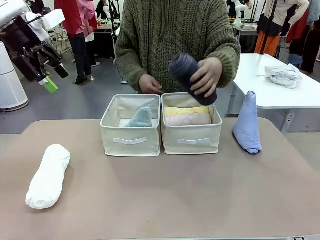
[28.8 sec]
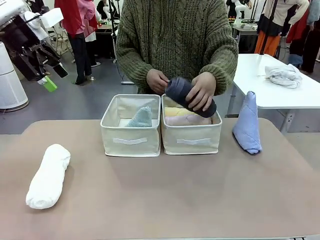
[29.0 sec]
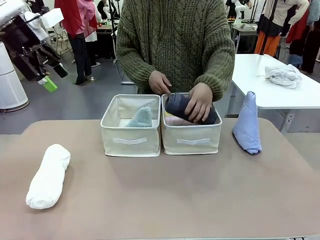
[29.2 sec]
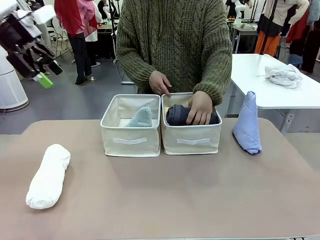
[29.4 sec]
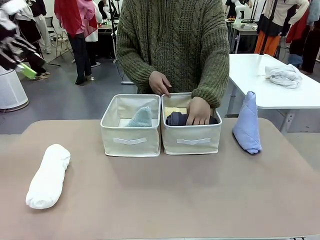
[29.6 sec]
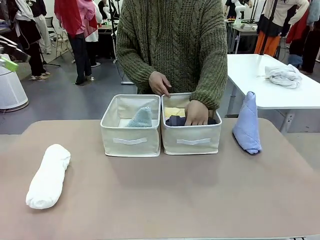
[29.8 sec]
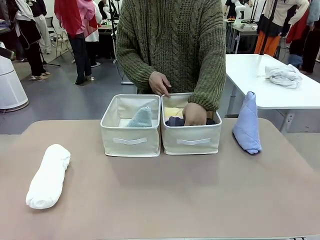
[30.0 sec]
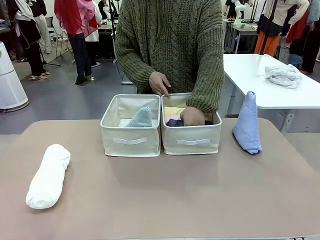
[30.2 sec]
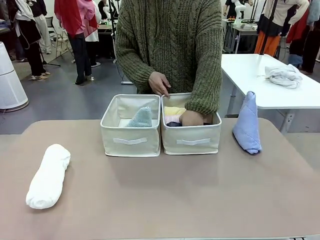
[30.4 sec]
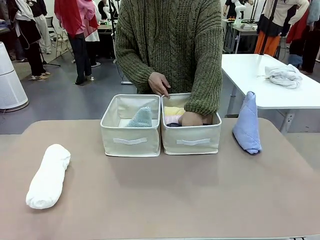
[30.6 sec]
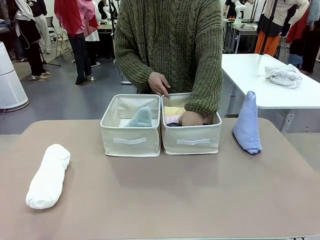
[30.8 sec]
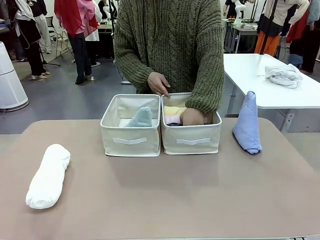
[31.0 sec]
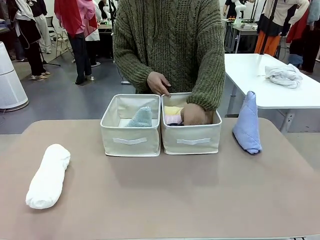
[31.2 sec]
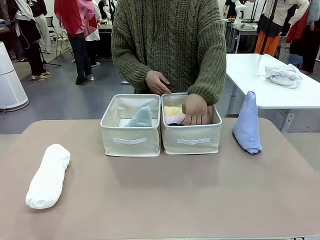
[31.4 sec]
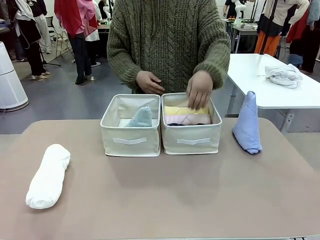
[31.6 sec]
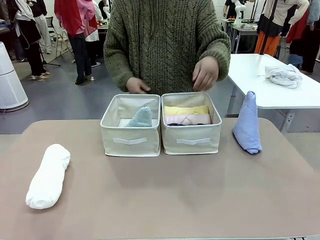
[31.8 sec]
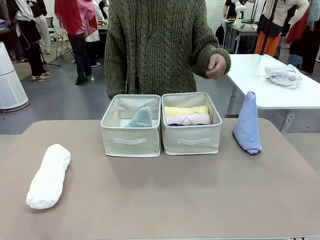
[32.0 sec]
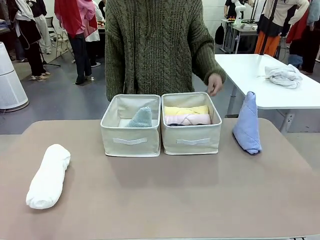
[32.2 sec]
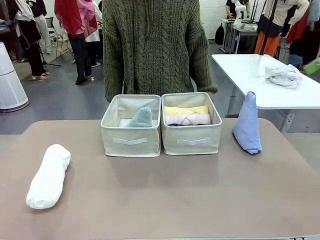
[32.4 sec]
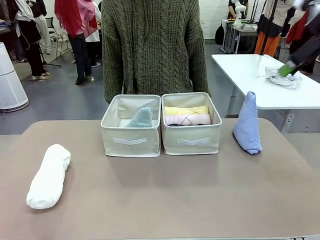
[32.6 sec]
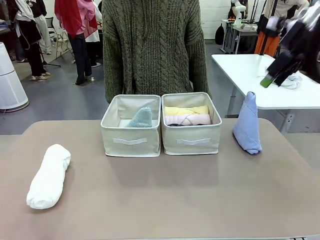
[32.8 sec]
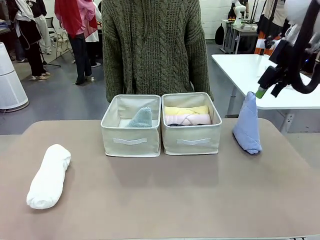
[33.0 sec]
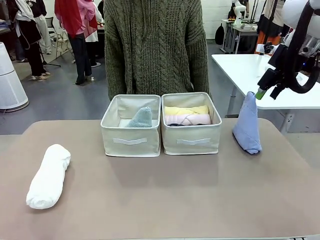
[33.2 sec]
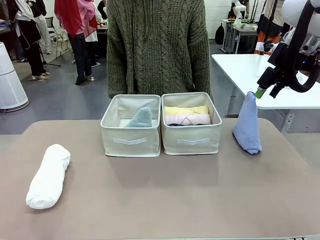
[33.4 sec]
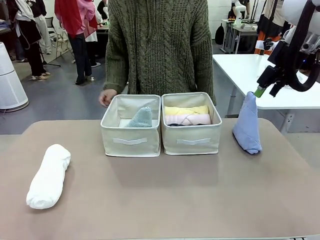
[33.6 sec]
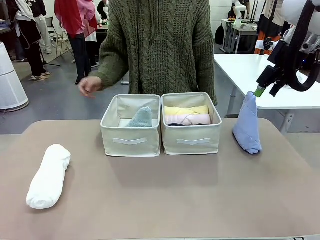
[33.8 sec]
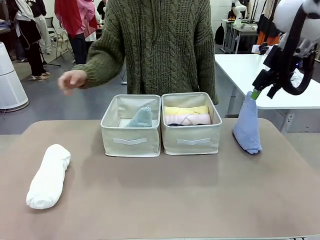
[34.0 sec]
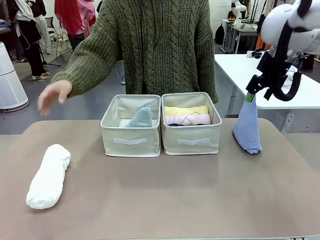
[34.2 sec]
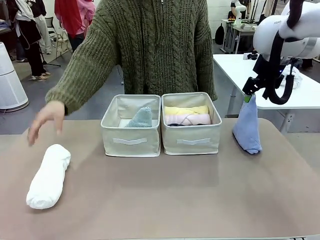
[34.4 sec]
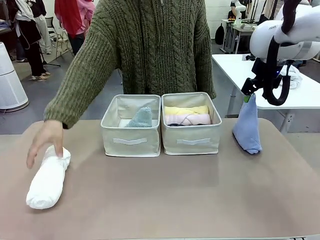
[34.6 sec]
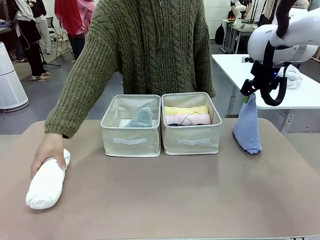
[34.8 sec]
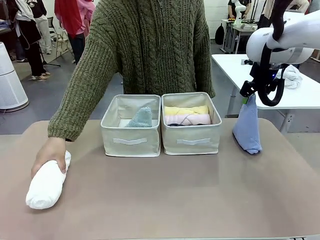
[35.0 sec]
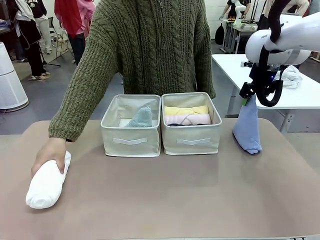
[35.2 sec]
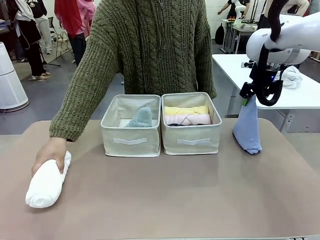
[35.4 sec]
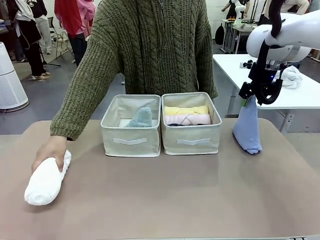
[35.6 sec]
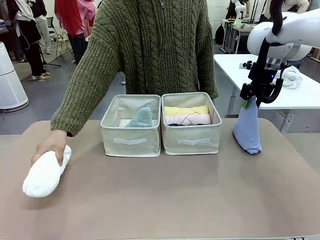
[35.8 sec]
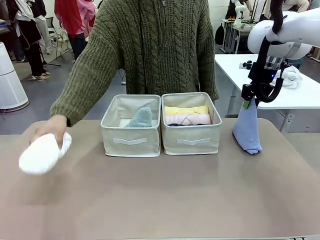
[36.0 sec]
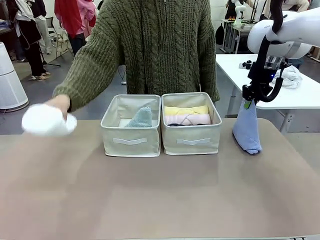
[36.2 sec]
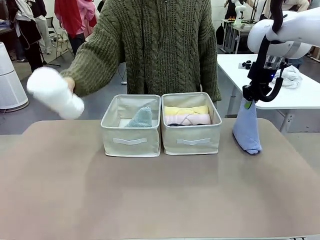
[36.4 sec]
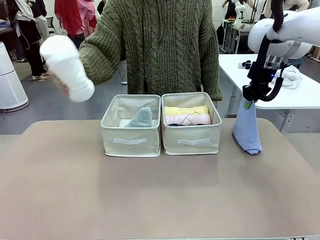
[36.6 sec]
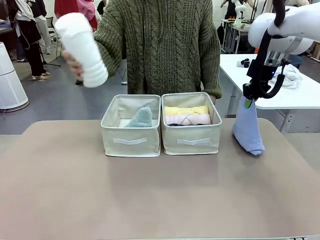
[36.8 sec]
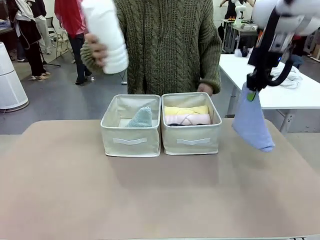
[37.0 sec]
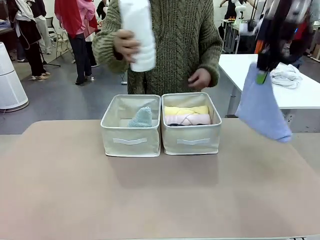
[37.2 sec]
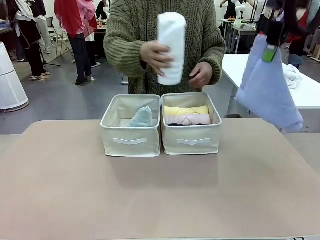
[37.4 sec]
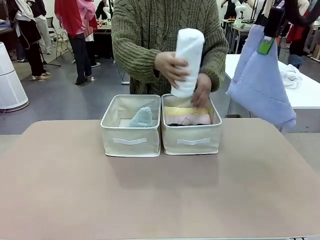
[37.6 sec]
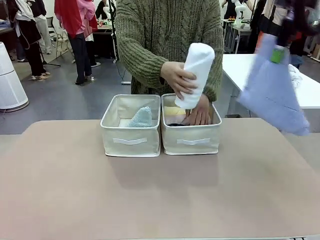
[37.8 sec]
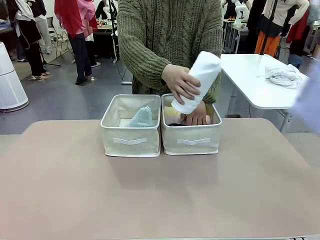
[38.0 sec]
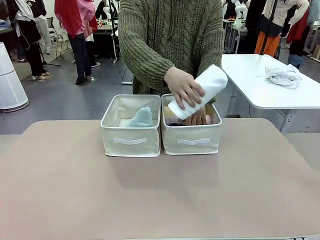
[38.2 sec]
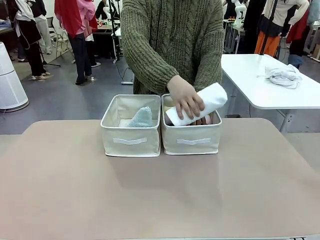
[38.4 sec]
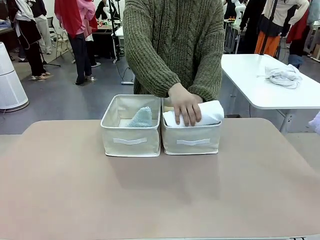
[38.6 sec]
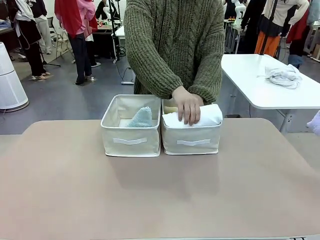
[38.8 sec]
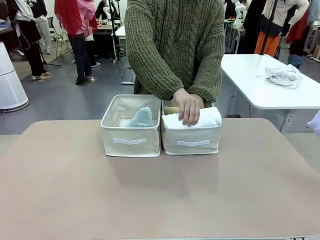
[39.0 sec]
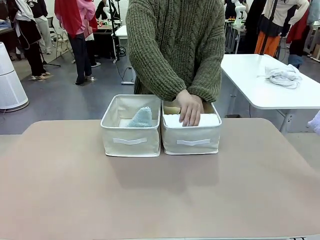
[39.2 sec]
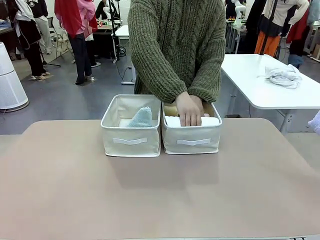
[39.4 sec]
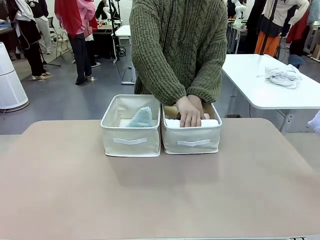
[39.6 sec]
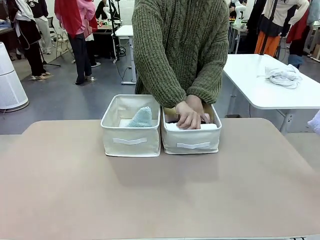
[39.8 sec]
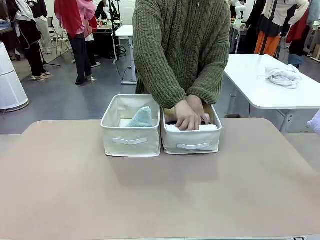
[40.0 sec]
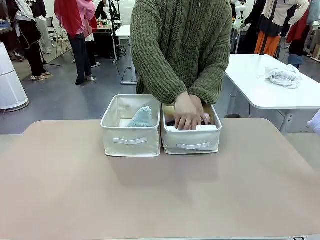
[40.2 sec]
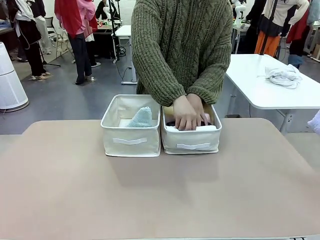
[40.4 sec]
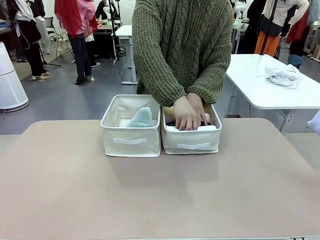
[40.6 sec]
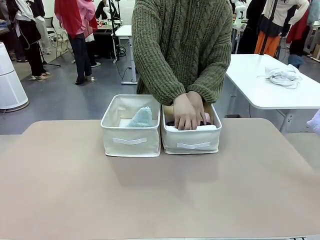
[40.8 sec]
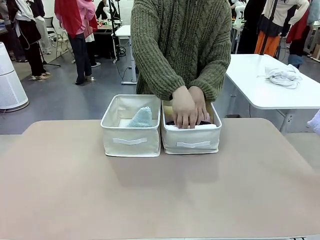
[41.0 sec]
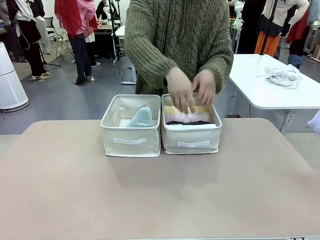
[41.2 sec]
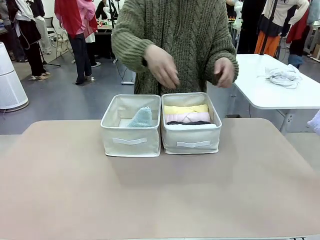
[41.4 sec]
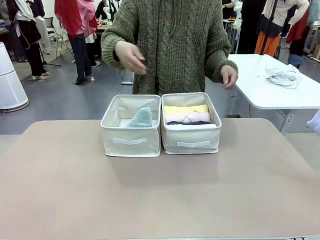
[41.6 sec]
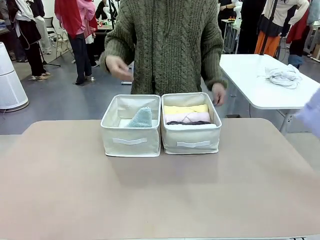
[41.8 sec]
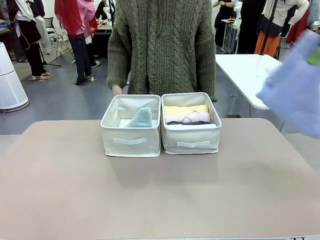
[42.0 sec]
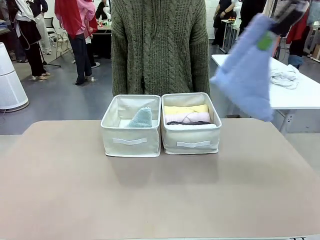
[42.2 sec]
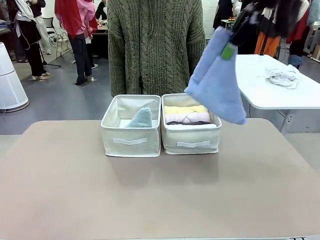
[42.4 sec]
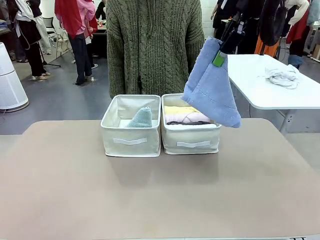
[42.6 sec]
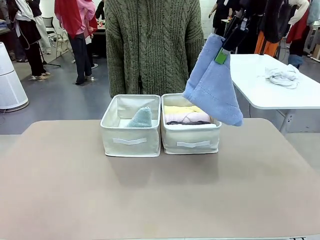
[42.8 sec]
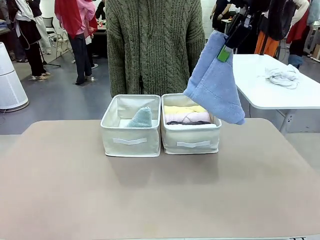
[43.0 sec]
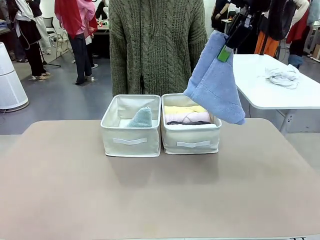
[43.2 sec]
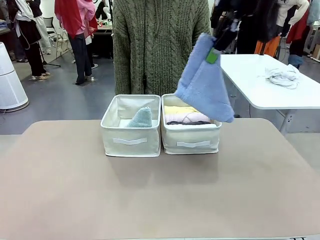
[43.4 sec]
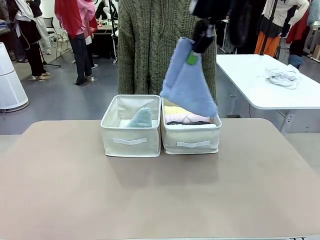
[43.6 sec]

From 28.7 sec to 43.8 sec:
Task: Sort the towels based on their folding style.
Robot: Pick up another triangle-folded towel from the table and place it in the left Fabric basket.
